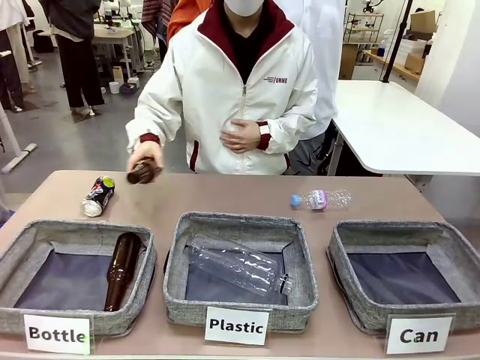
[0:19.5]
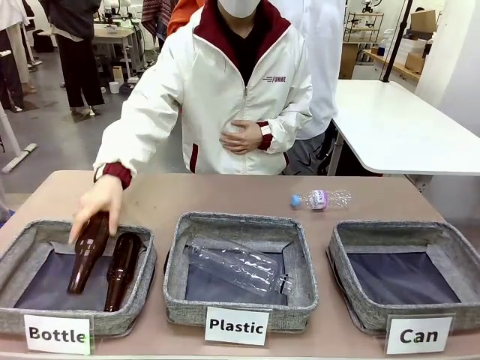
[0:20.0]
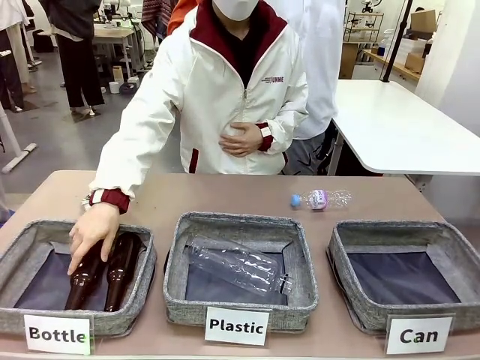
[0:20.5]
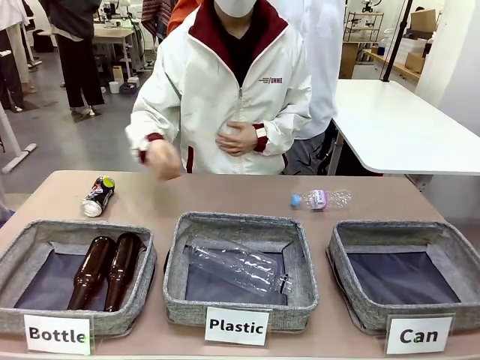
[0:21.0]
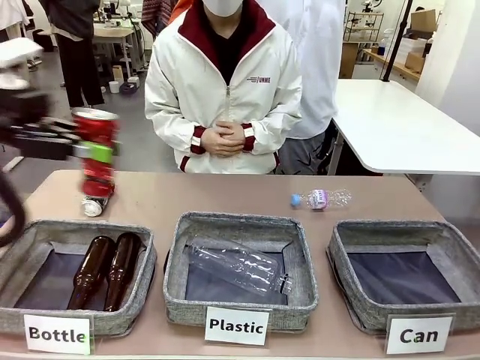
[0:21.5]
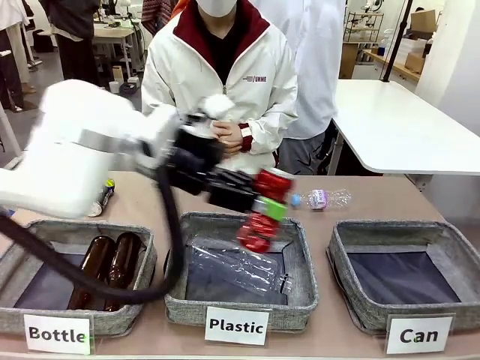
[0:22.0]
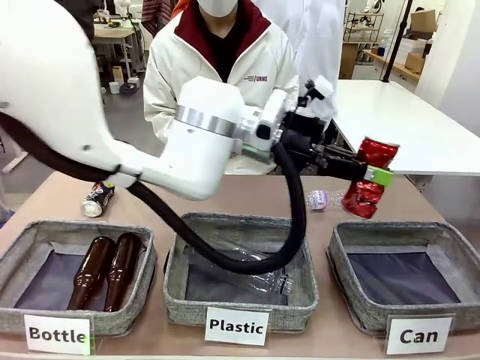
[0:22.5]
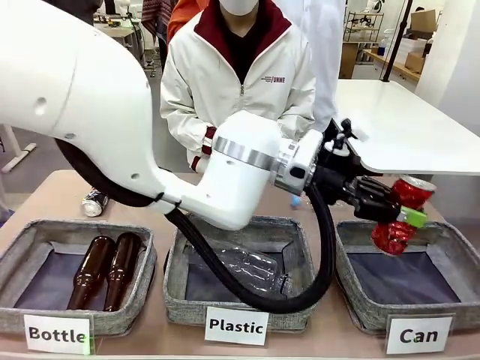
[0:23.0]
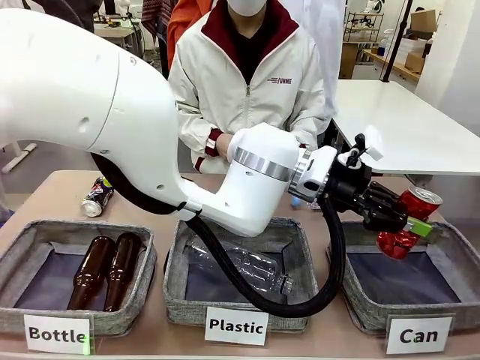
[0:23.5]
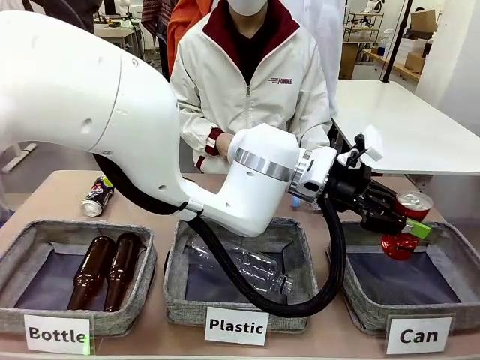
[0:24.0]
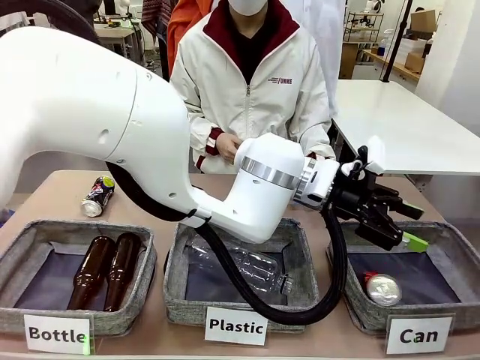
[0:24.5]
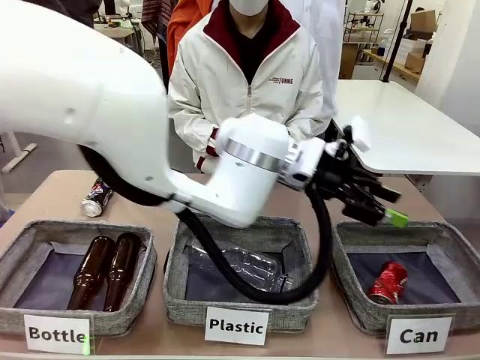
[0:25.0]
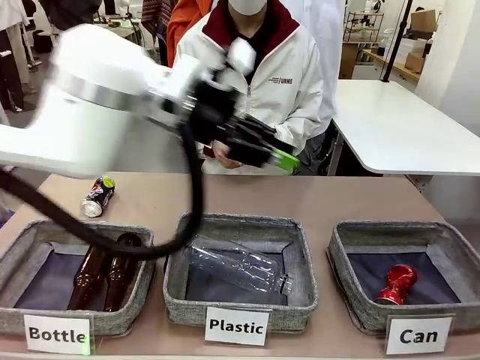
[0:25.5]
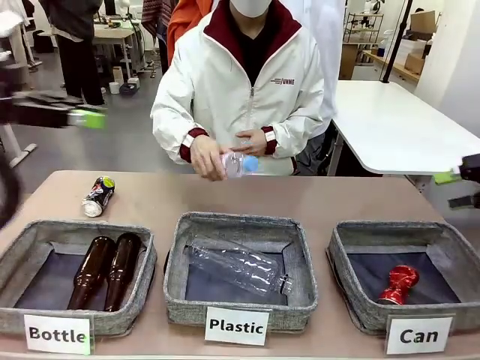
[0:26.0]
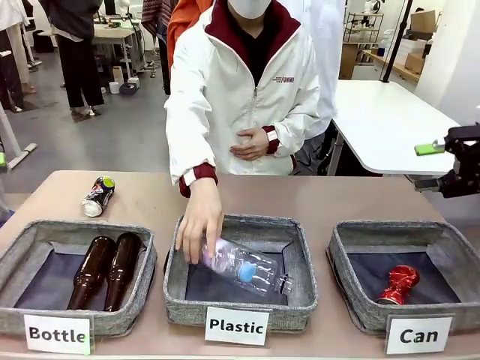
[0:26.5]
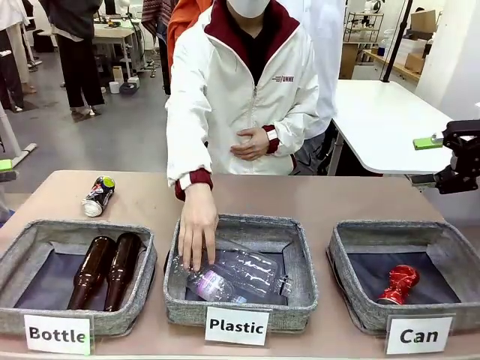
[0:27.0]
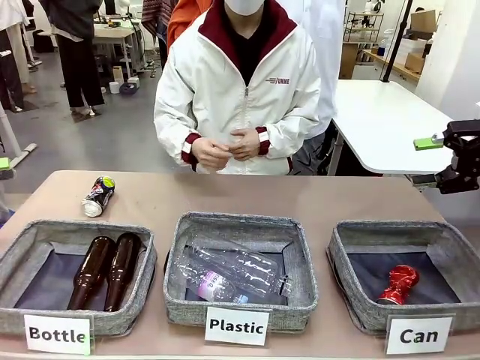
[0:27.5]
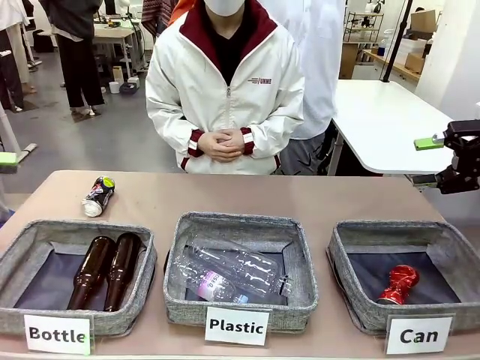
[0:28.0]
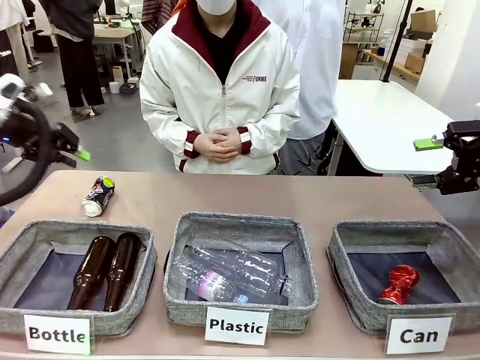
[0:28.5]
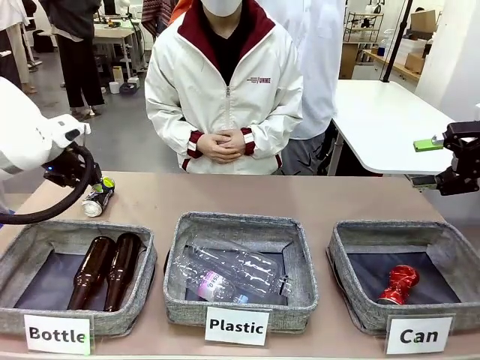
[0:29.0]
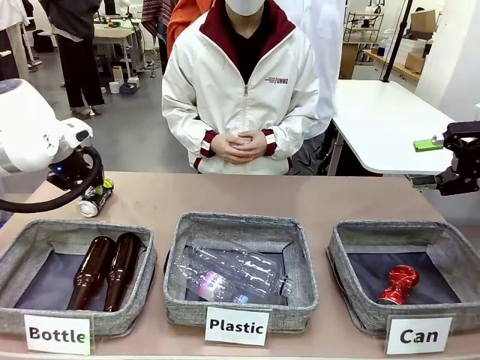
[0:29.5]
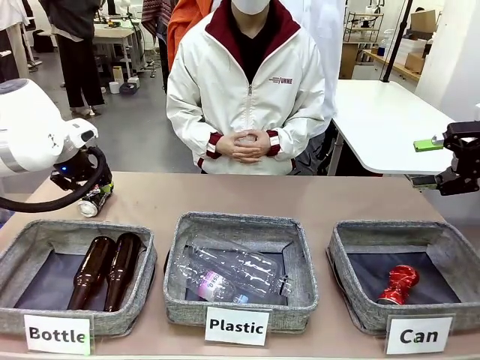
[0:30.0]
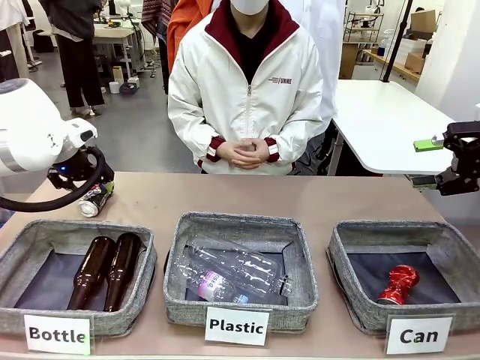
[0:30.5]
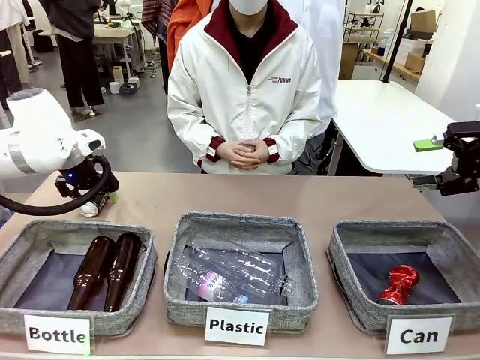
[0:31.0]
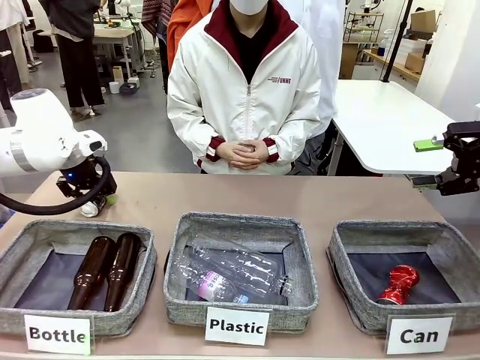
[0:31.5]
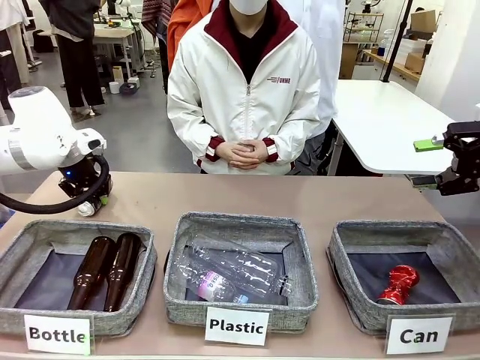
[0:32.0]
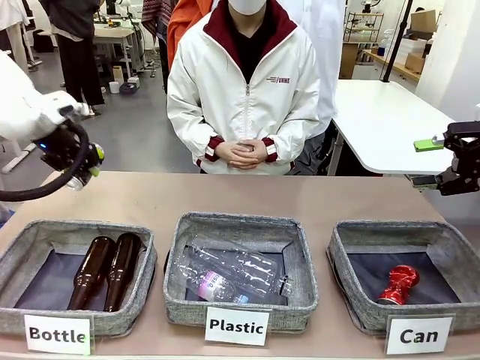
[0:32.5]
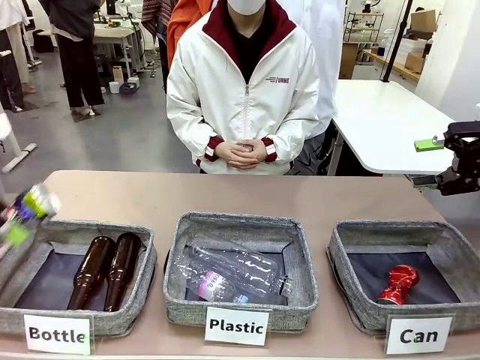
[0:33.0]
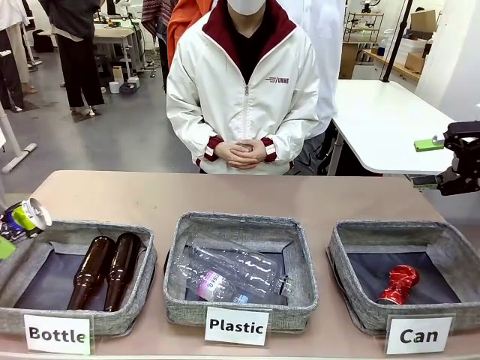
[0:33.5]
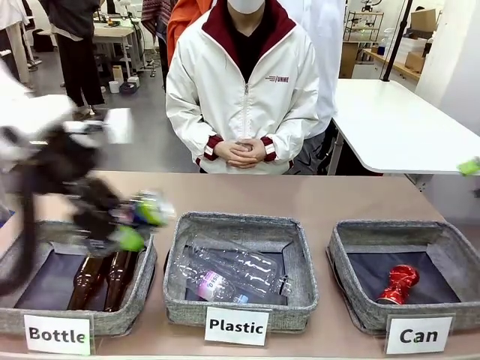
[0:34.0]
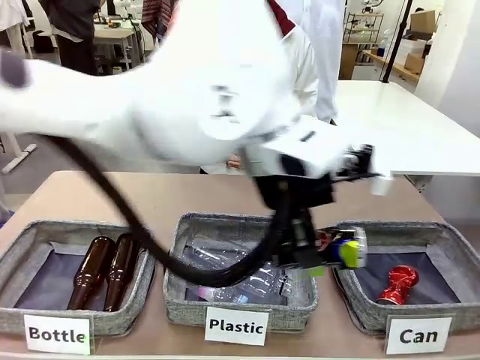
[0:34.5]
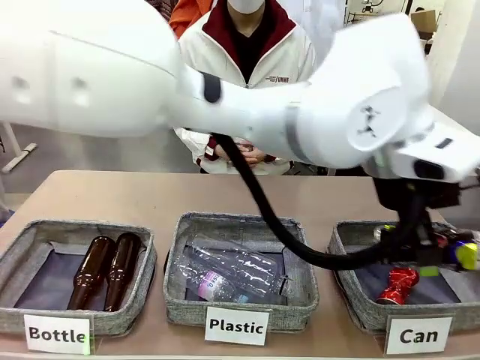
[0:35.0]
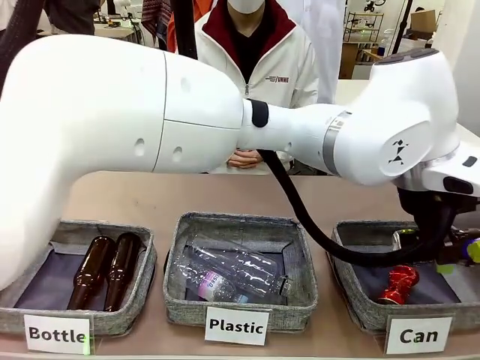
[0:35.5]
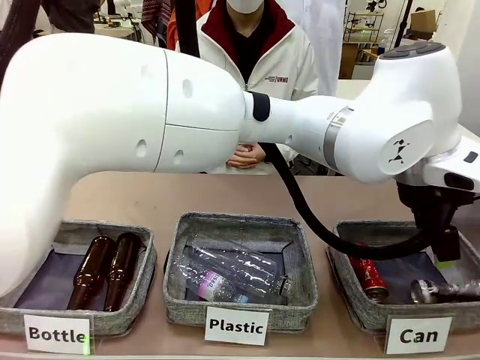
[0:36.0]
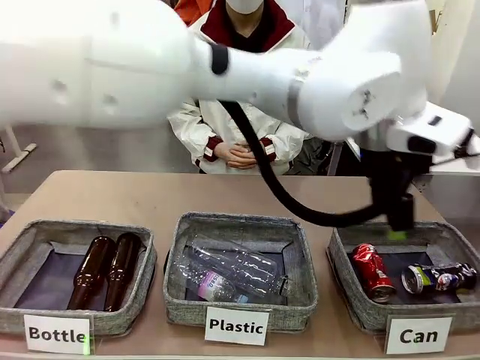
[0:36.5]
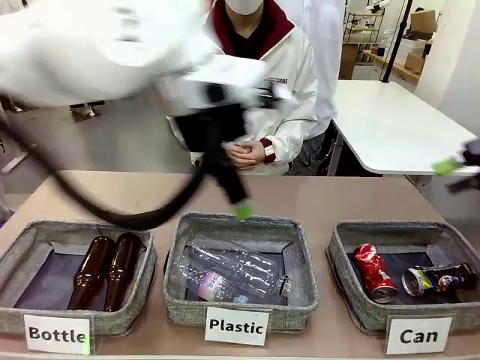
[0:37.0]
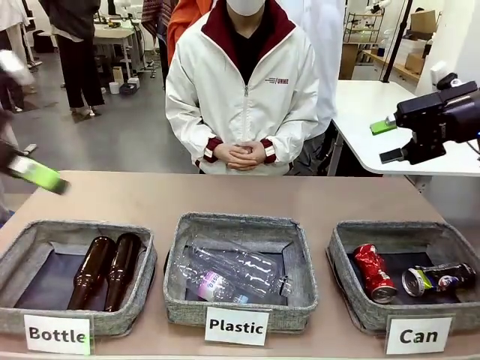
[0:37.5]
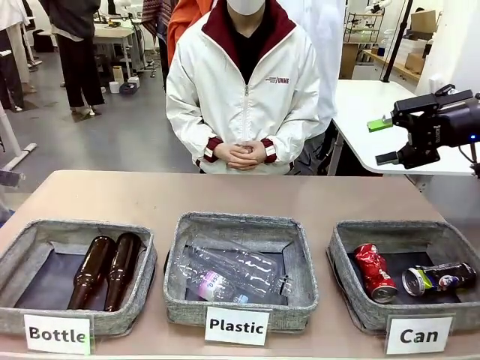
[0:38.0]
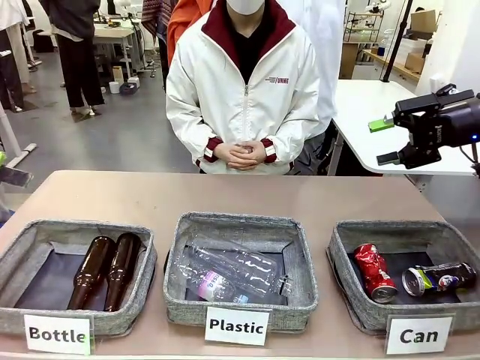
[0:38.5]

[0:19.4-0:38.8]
Task: Sort the can waste into the basket.
Robot: Pick up the can waste from the table and place it in the right Fabric basket.

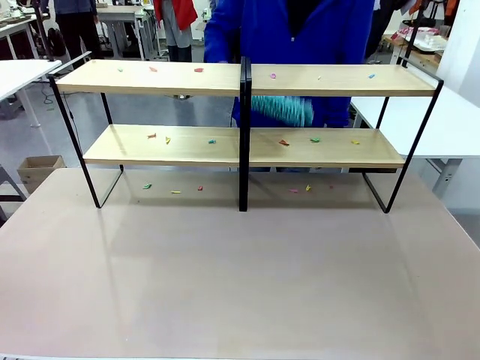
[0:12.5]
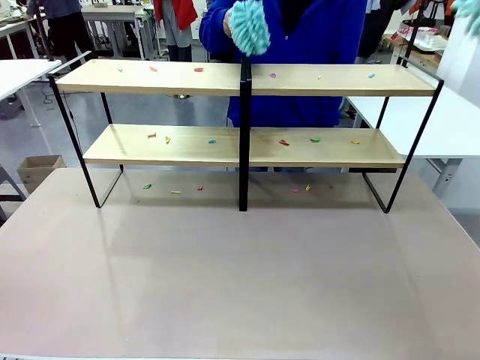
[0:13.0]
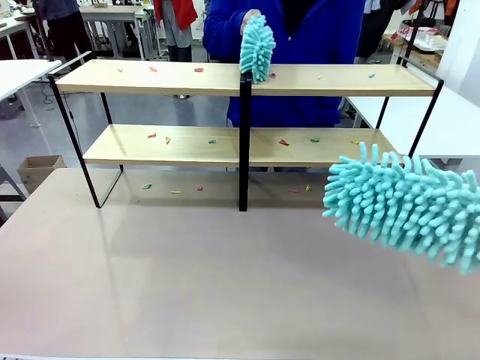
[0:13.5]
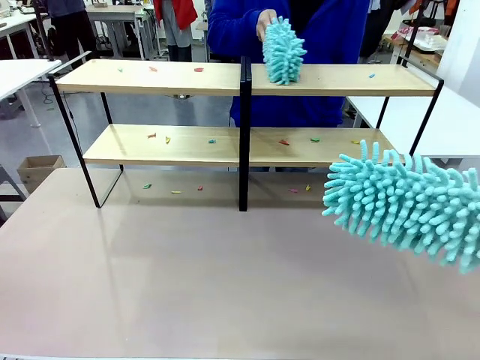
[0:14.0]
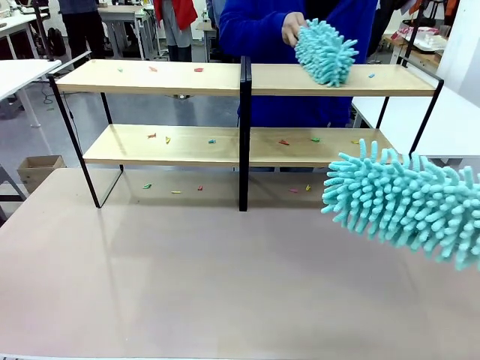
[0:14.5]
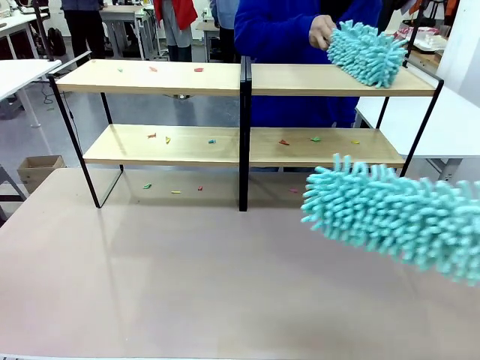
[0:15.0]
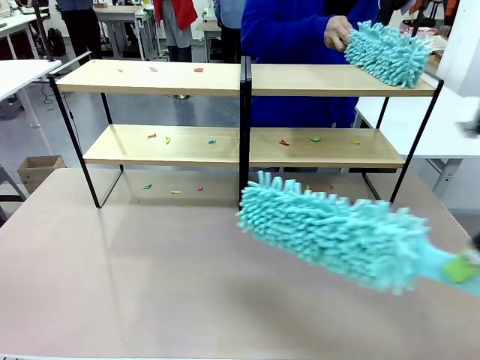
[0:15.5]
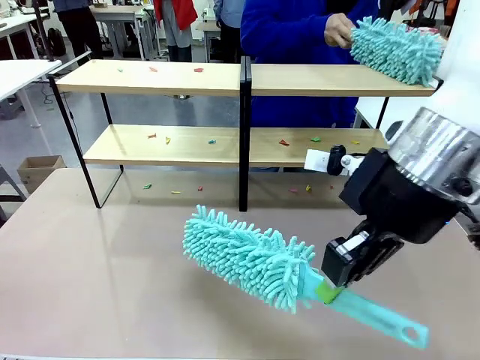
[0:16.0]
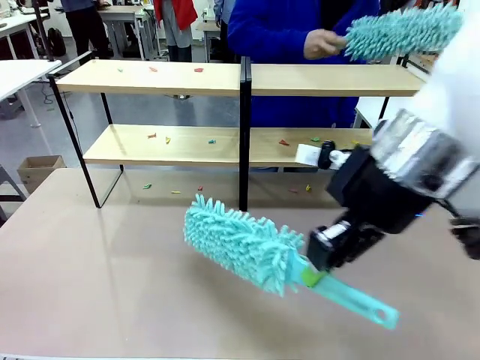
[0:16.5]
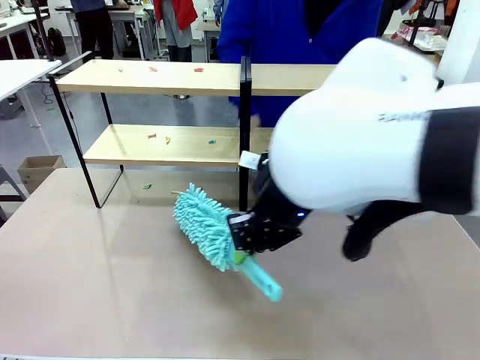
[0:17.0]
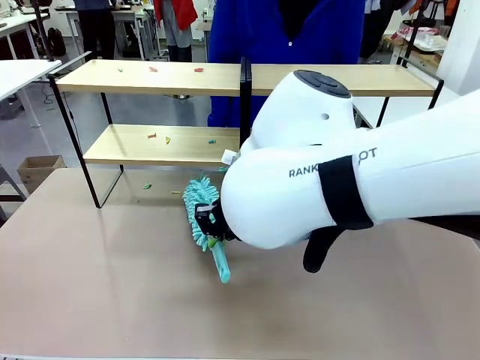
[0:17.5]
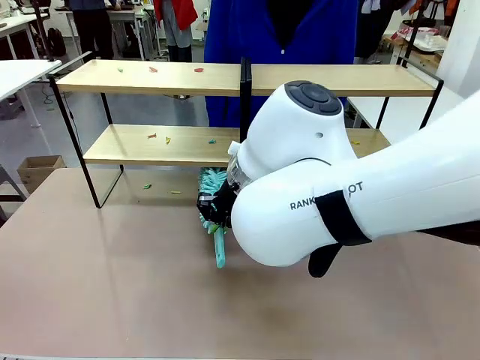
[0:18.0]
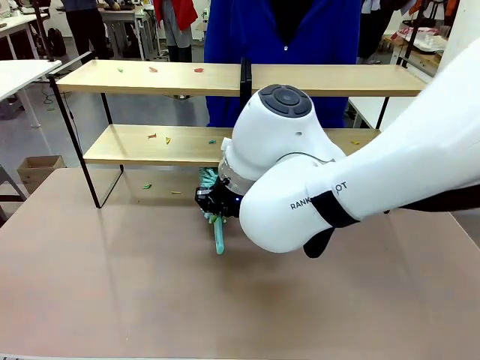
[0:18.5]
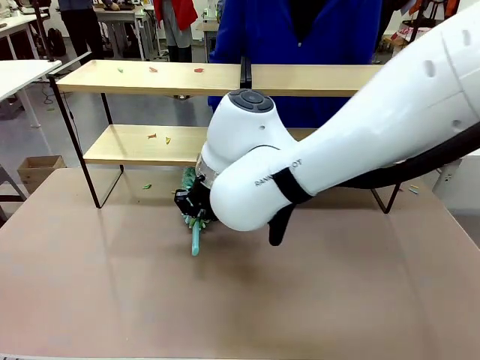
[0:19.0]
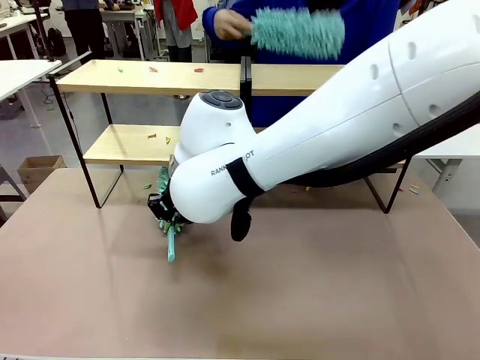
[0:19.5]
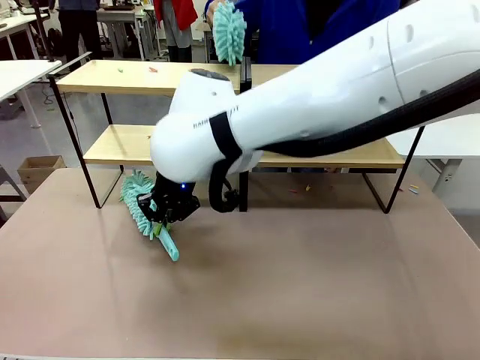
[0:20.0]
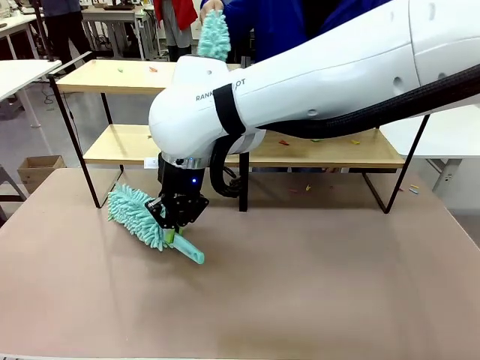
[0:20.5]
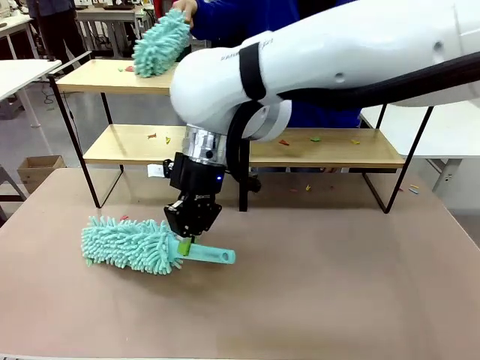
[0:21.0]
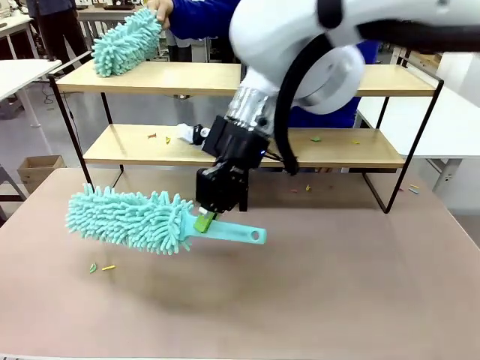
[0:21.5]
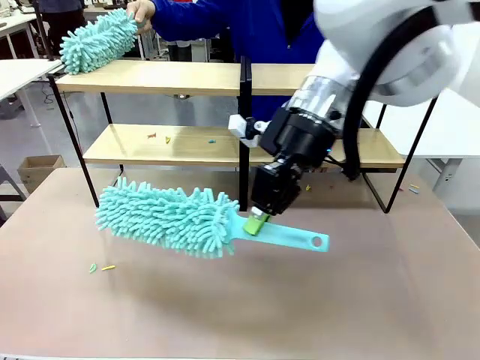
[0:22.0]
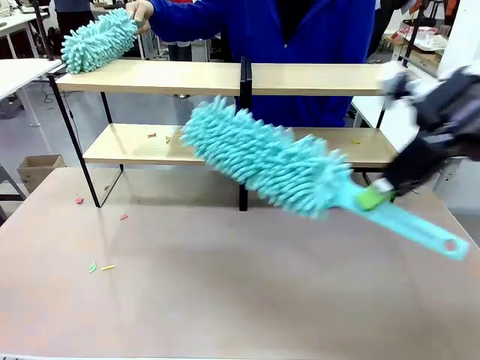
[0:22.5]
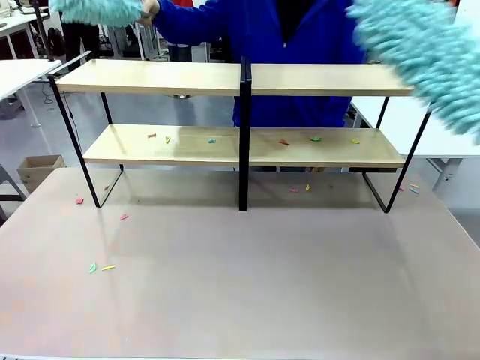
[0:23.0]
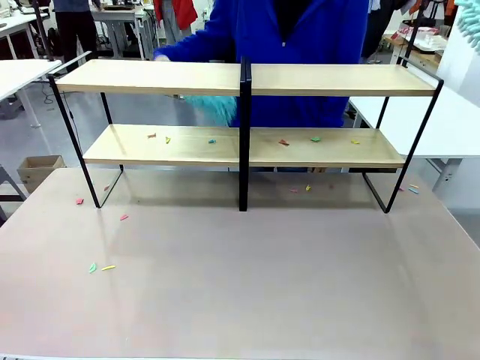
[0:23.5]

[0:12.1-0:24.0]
Task: Clean the shelves.
Robot: Clean a randomly selected level of the Shelf with the Duster.
